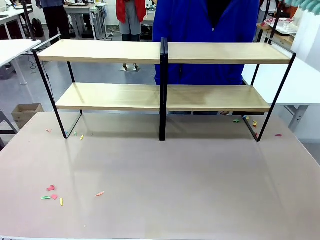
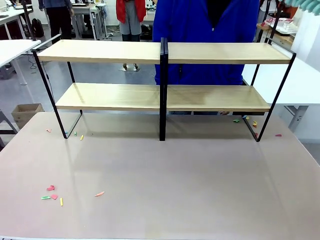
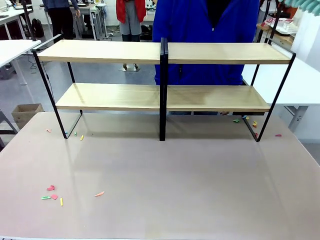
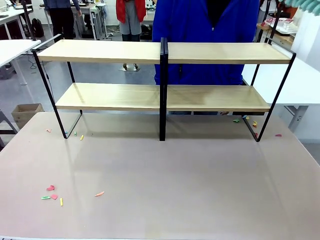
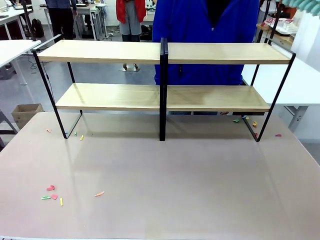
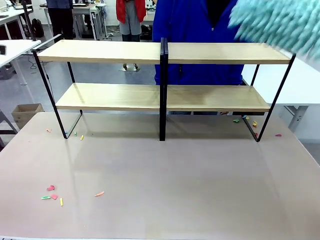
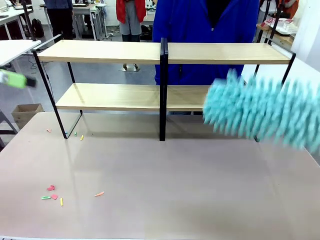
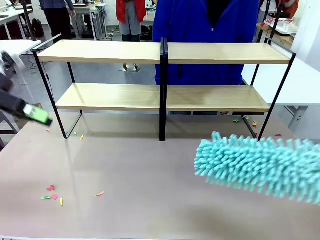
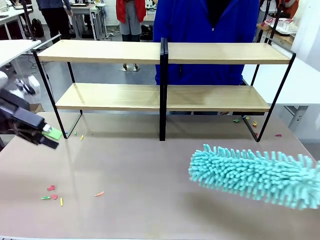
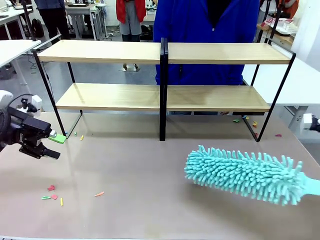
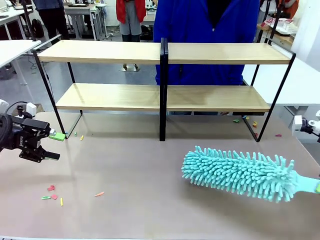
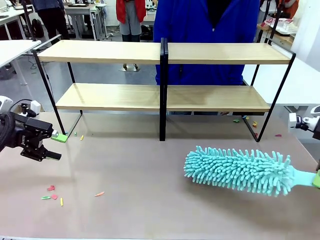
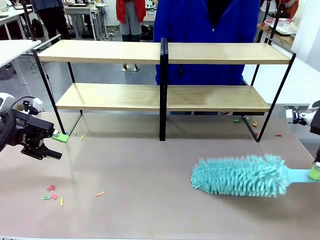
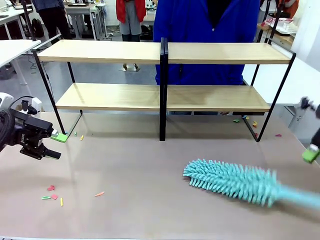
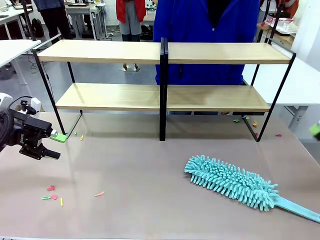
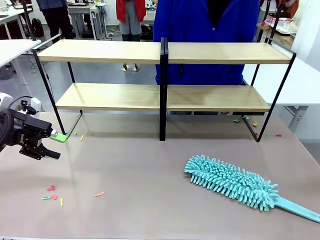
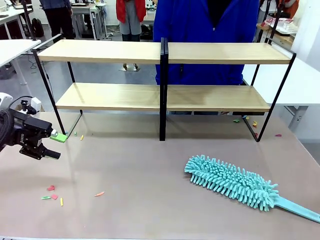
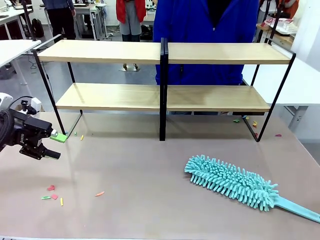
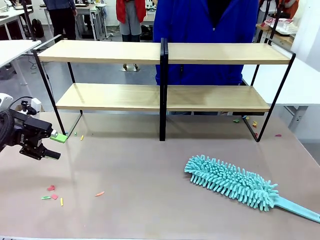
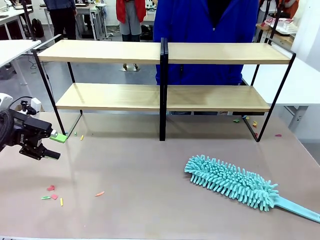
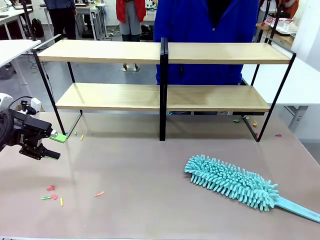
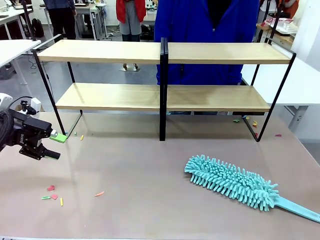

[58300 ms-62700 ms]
Task: Clean the shelves.
Robot: Place the Duster on the table.

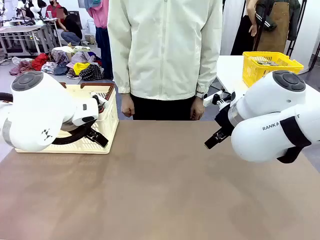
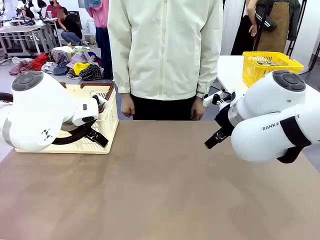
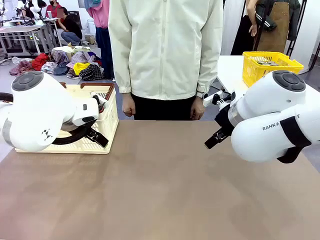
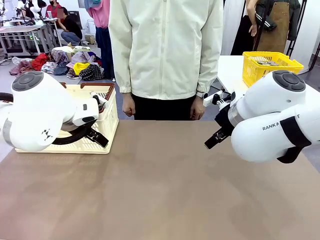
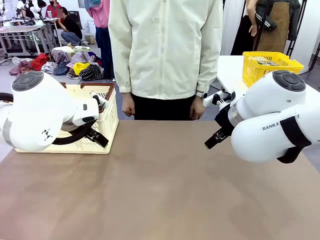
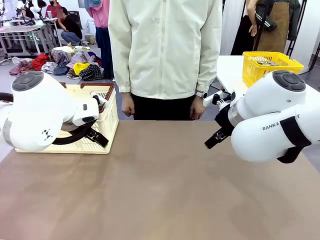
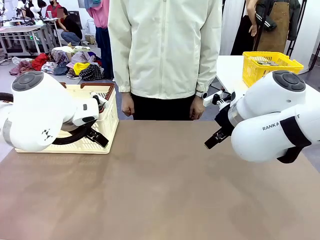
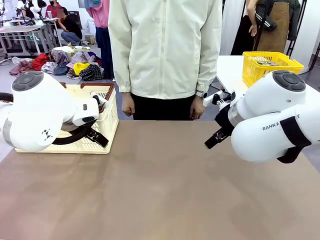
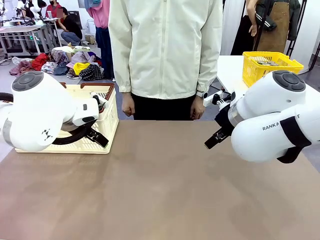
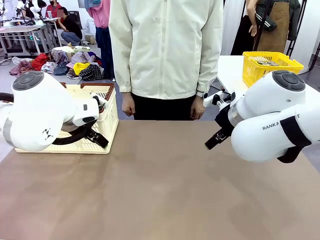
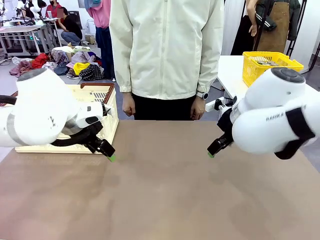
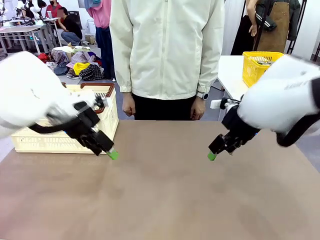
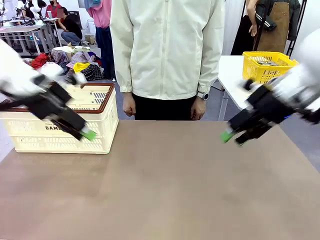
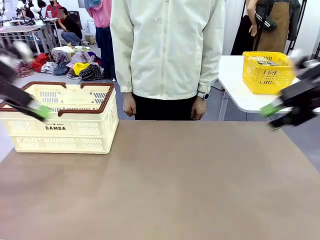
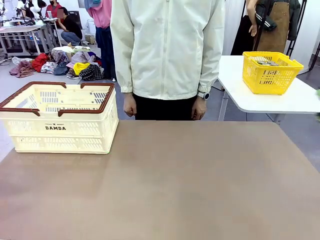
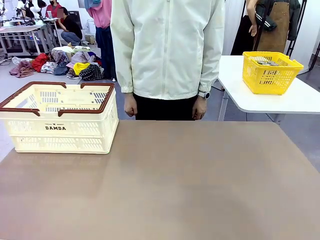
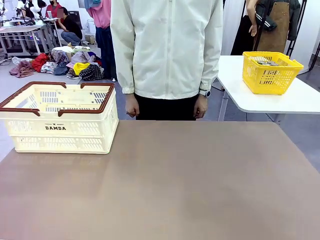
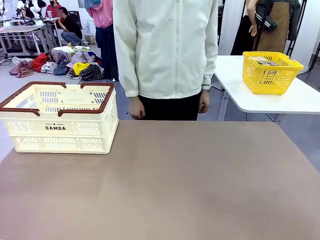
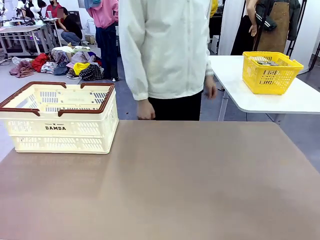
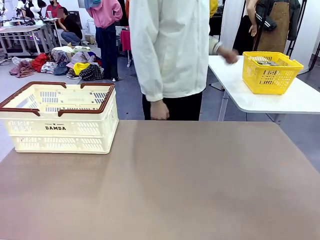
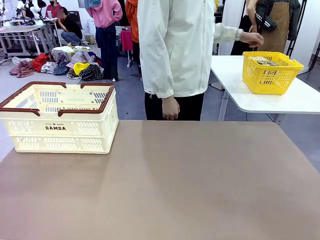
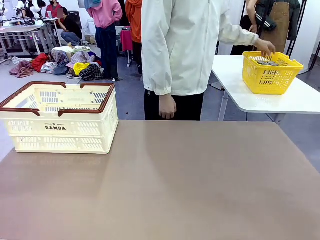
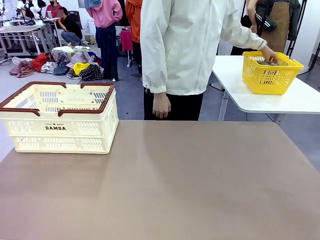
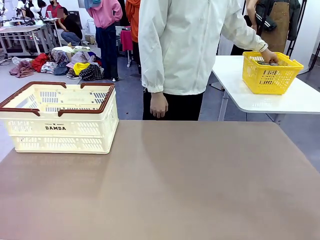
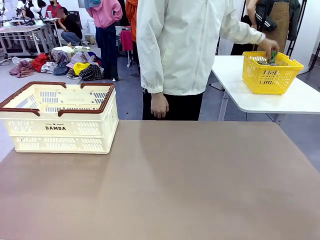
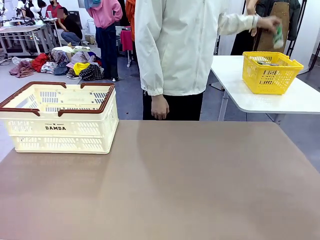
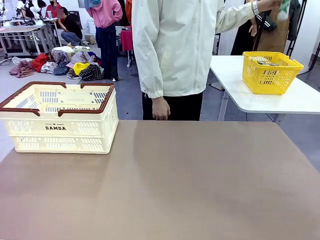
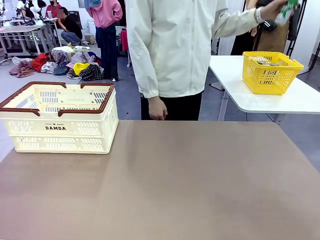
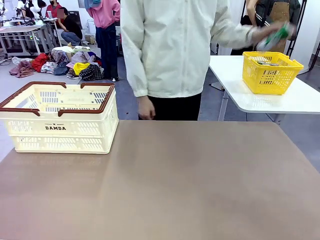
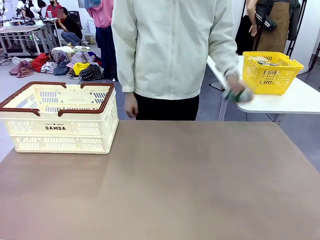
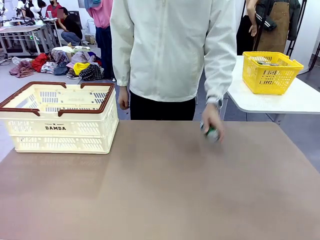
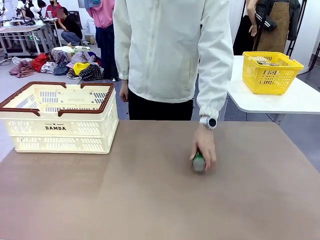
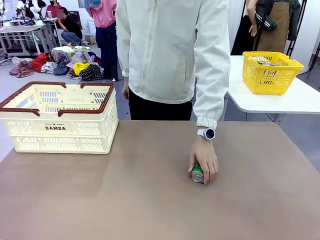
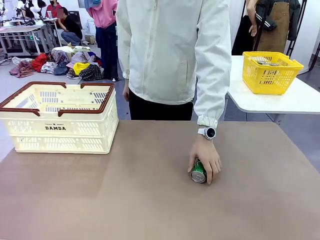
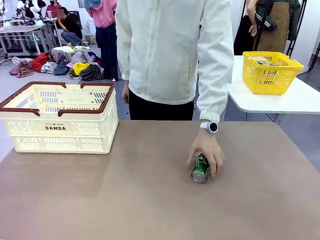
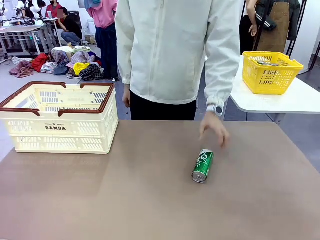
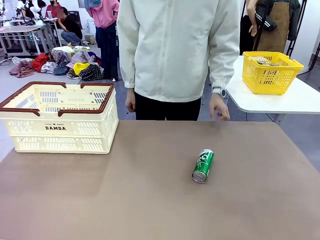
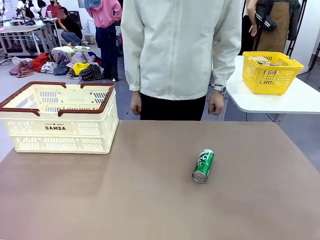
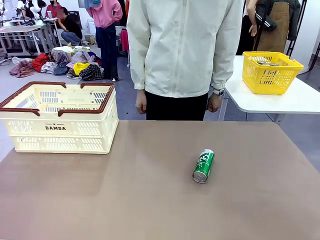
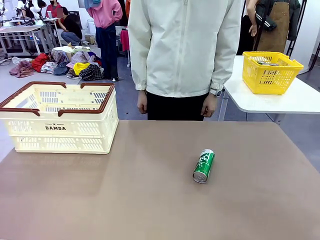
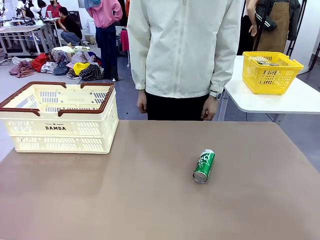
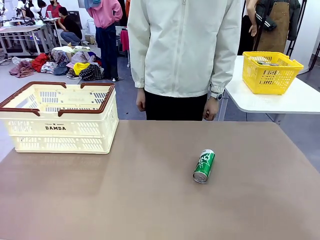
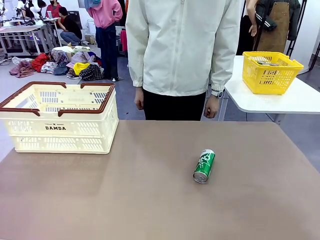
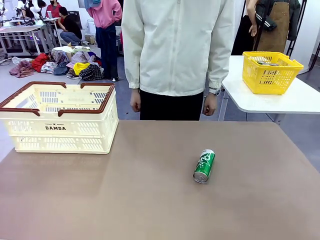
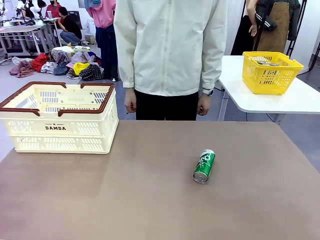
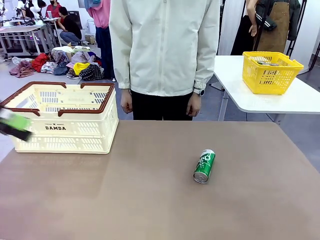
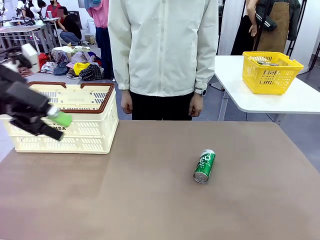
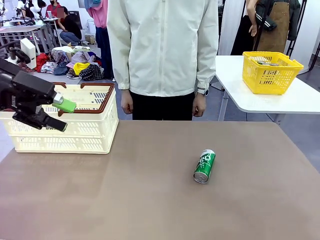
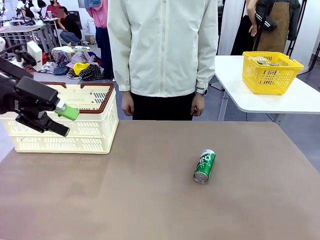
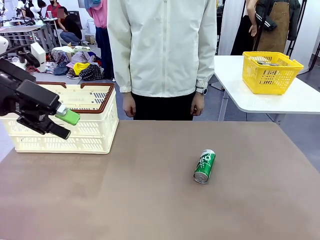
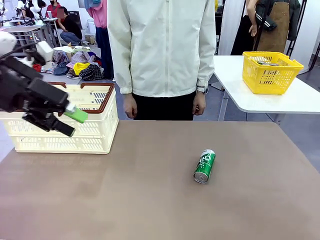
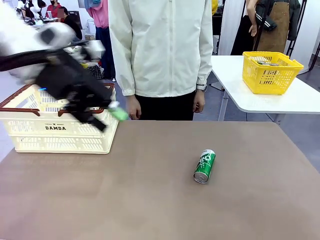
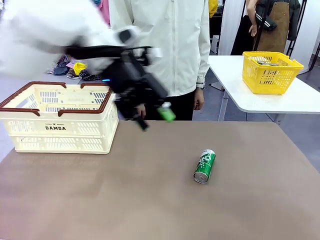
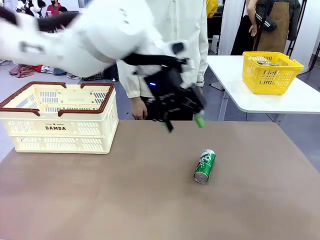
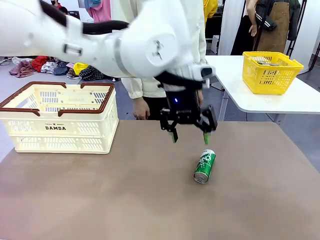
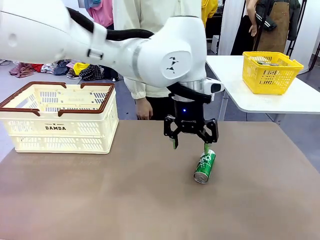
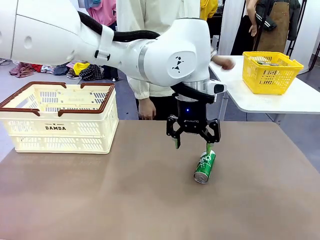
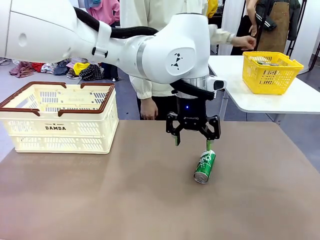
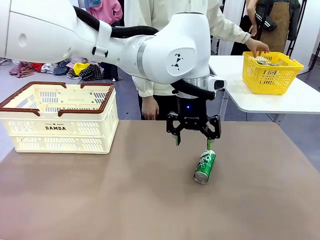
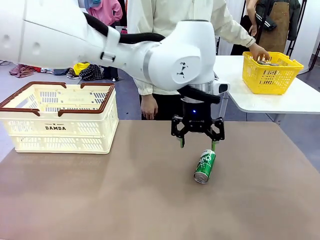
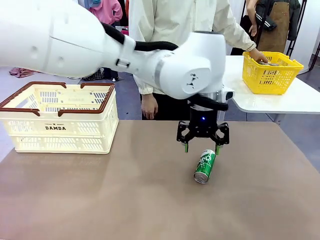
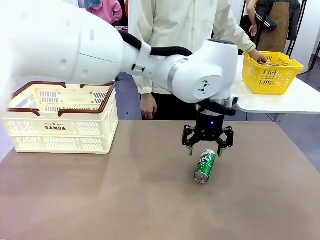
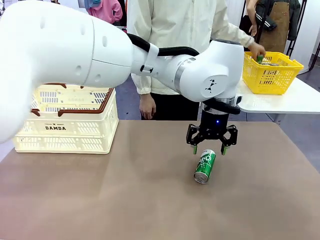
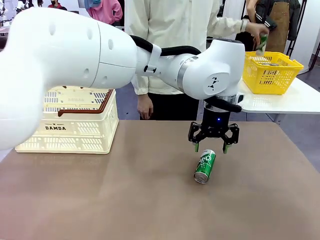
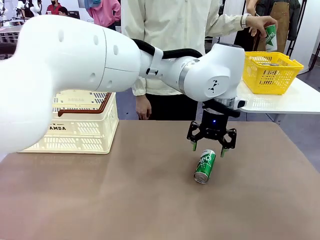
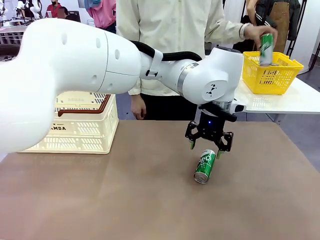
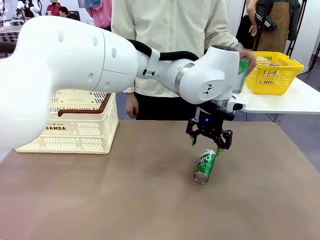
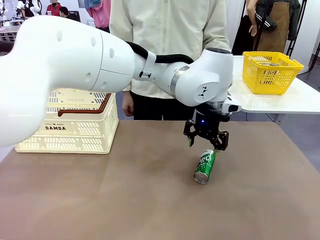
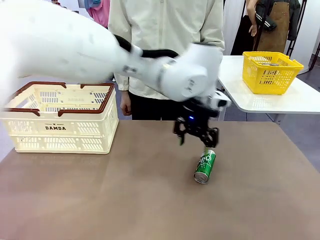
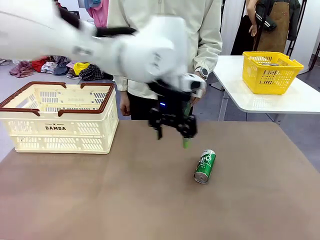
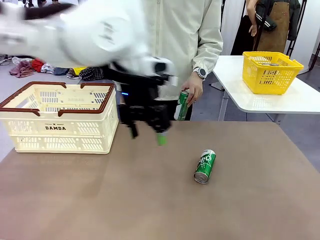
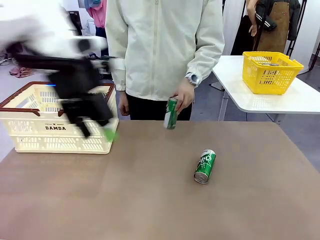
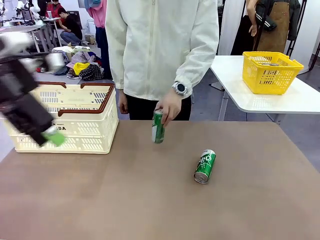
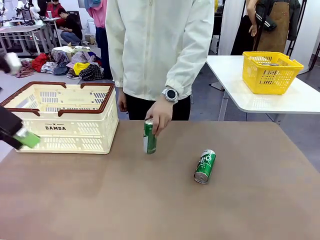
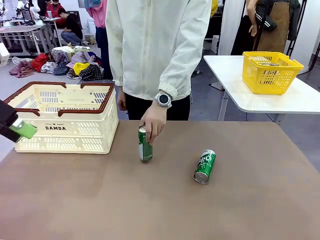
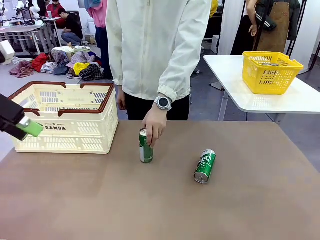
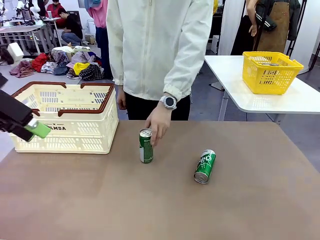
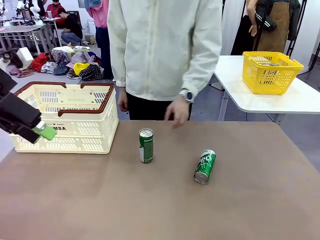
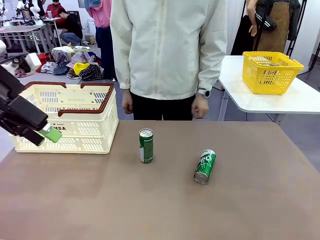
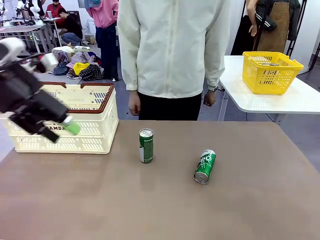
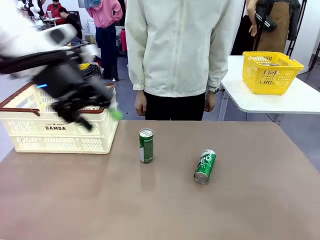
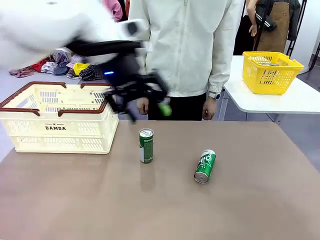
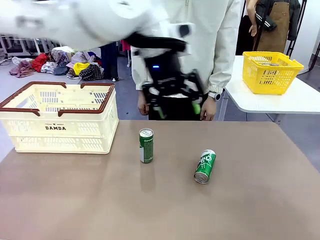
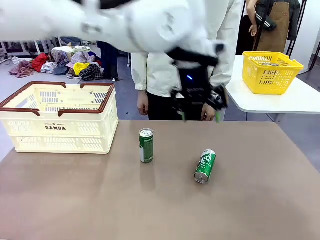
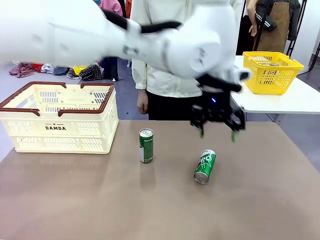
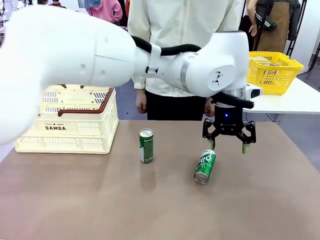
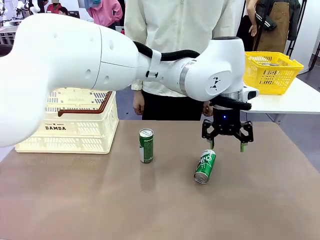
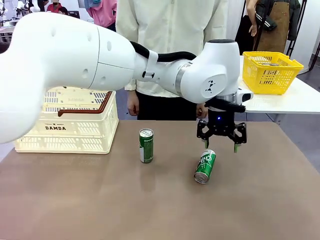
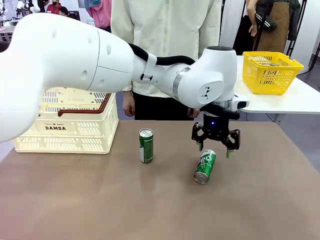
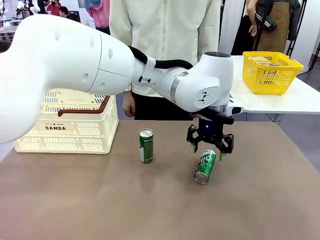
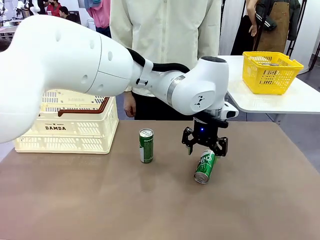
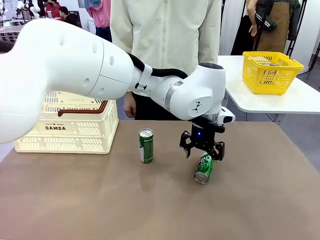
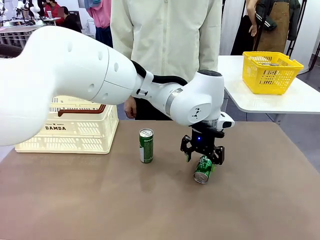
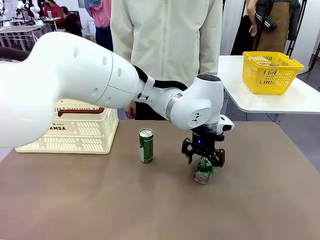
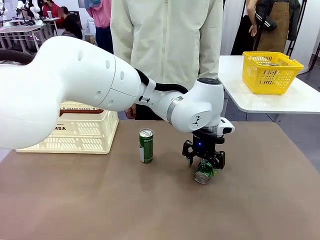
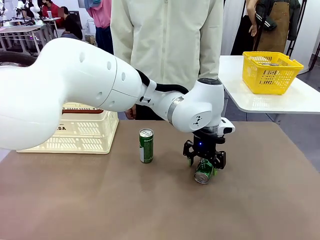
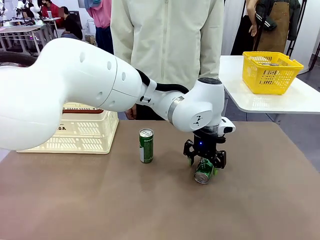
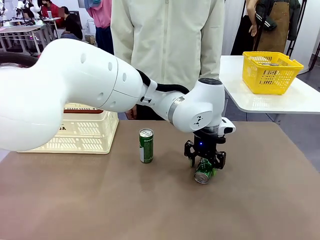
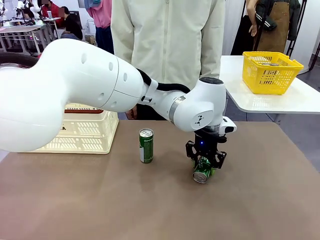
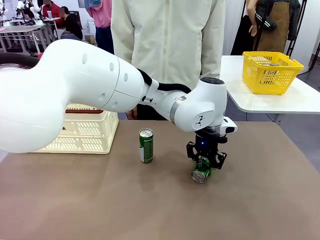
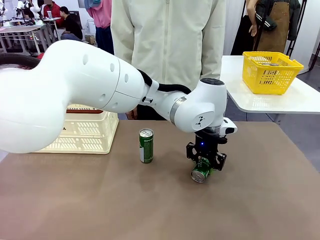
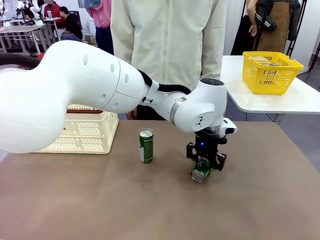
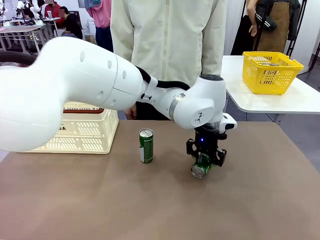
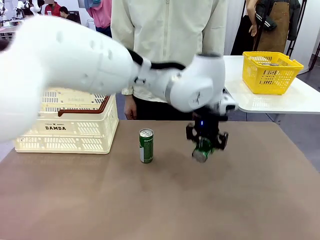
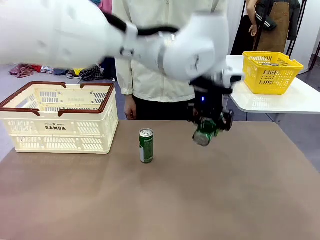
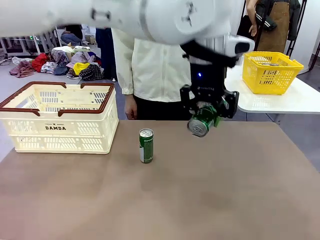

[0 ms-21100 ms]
Task: Place the drinks into the Shopping basket.
Robot: Pick up one drink and place it into the Shopping basket.
